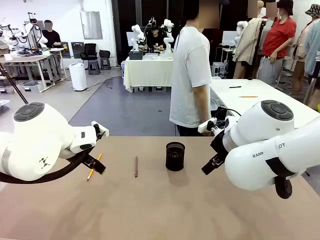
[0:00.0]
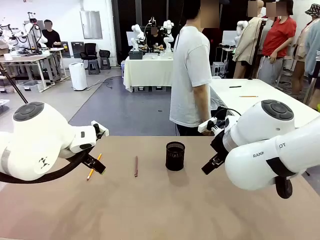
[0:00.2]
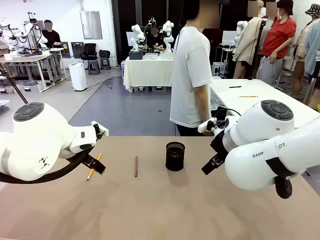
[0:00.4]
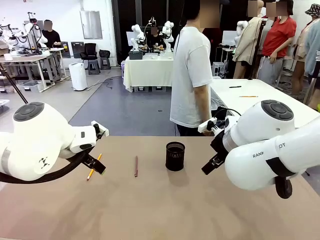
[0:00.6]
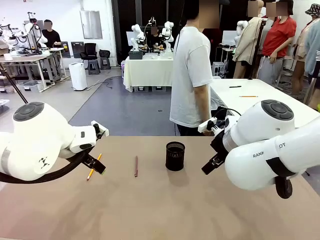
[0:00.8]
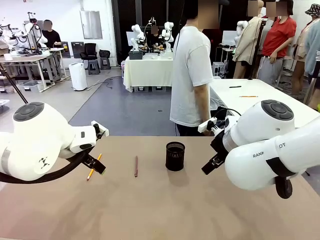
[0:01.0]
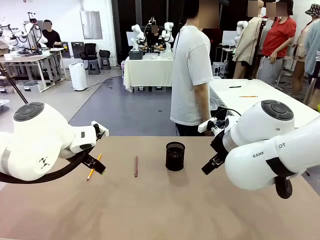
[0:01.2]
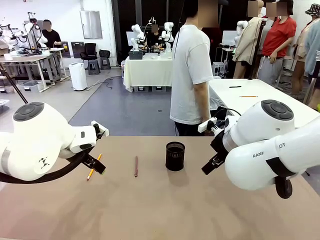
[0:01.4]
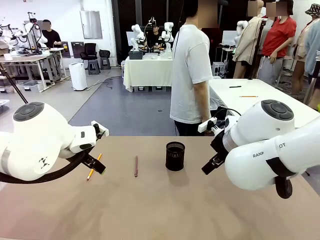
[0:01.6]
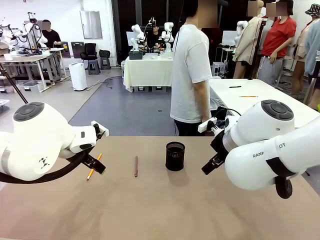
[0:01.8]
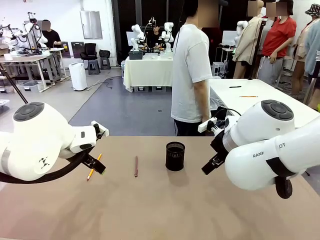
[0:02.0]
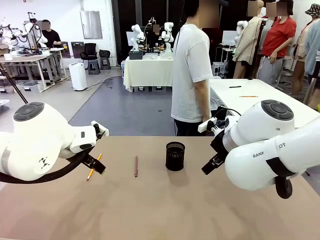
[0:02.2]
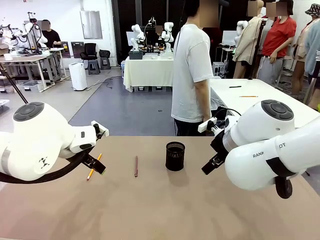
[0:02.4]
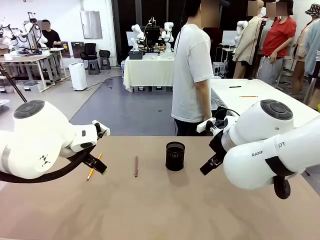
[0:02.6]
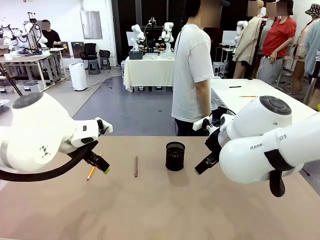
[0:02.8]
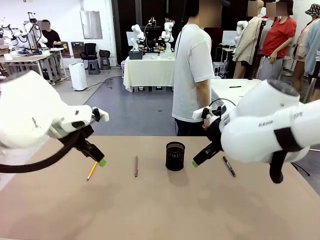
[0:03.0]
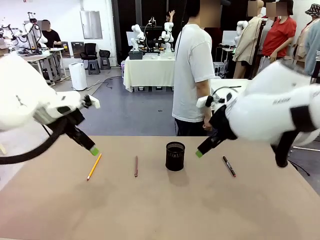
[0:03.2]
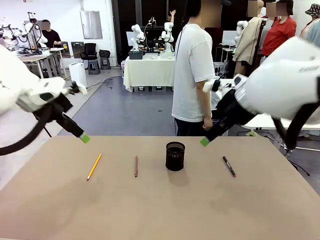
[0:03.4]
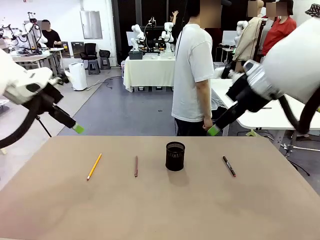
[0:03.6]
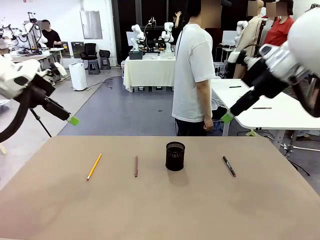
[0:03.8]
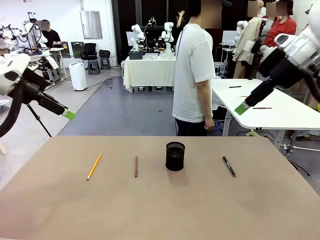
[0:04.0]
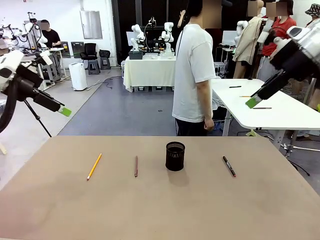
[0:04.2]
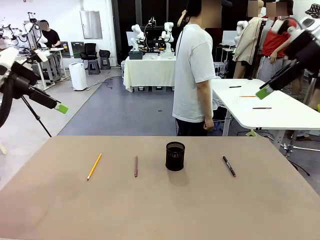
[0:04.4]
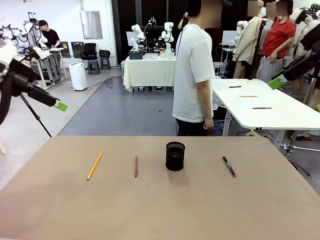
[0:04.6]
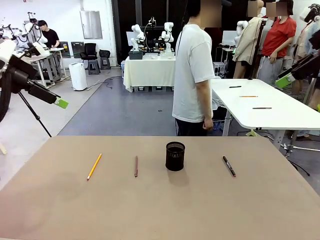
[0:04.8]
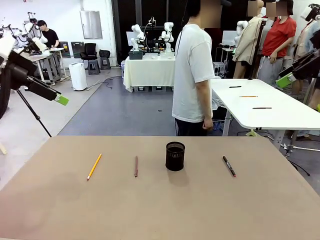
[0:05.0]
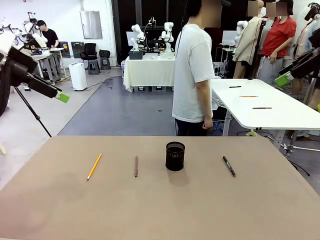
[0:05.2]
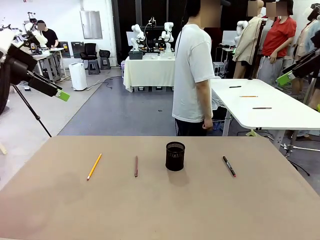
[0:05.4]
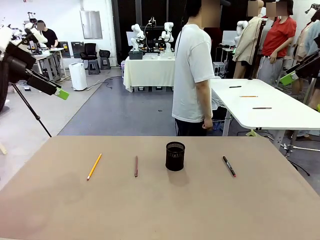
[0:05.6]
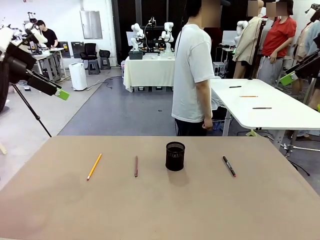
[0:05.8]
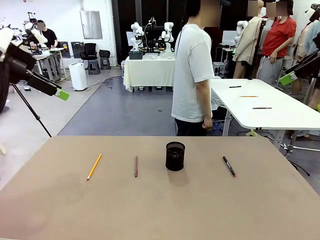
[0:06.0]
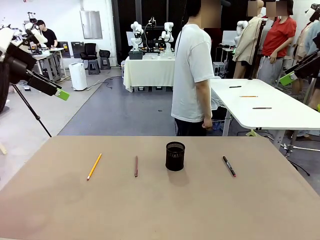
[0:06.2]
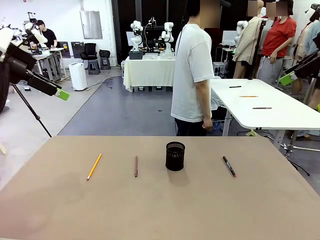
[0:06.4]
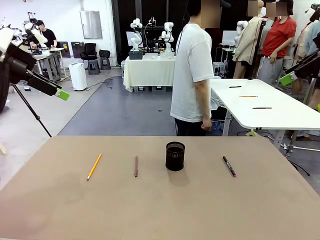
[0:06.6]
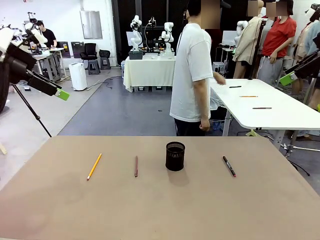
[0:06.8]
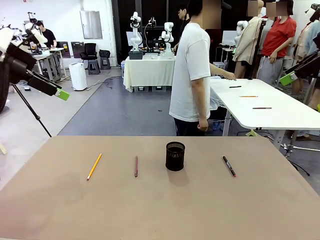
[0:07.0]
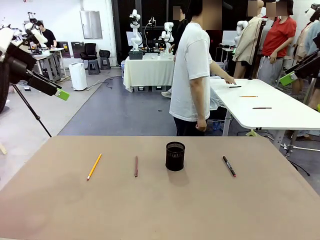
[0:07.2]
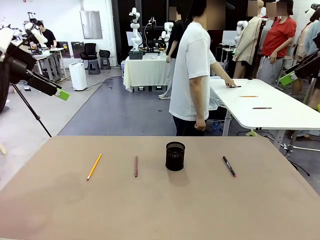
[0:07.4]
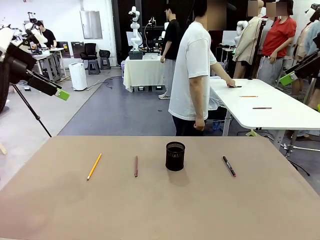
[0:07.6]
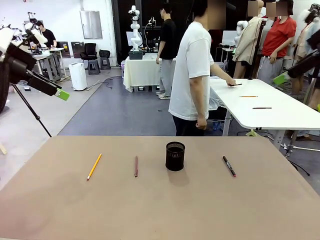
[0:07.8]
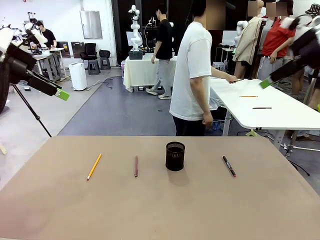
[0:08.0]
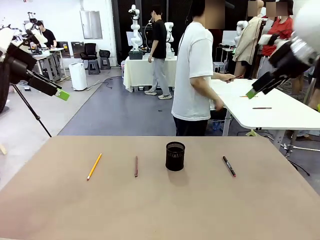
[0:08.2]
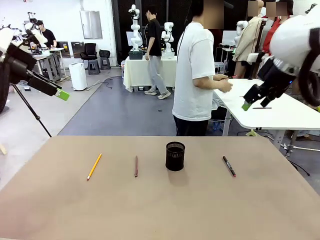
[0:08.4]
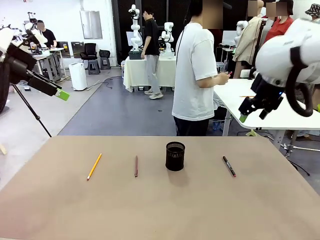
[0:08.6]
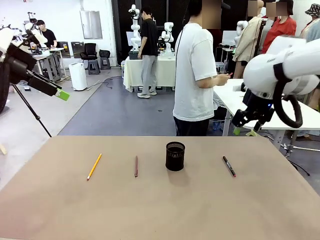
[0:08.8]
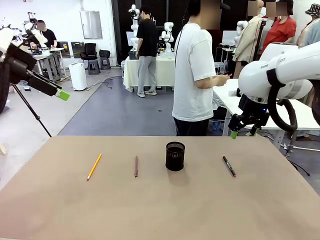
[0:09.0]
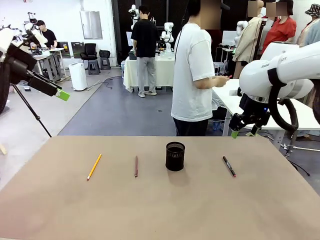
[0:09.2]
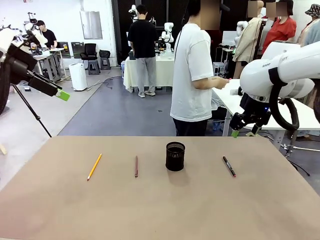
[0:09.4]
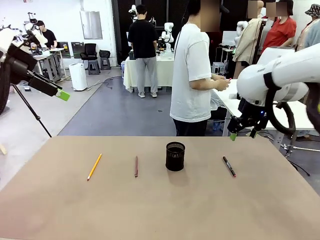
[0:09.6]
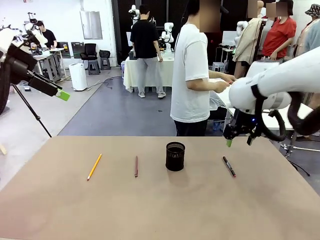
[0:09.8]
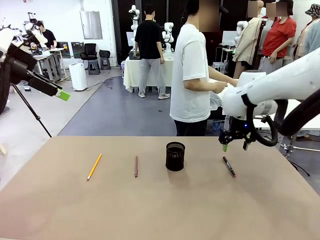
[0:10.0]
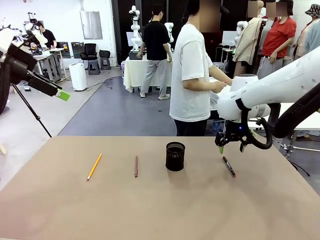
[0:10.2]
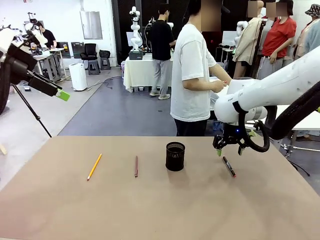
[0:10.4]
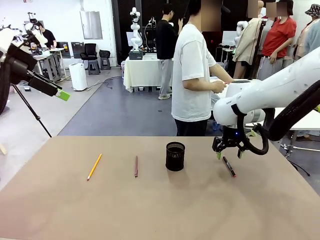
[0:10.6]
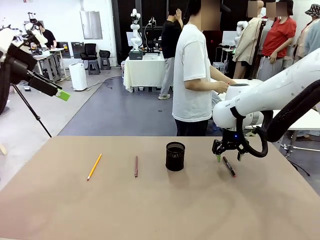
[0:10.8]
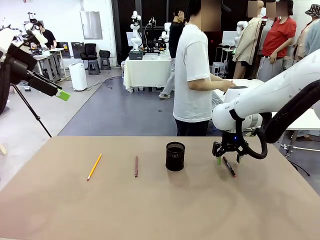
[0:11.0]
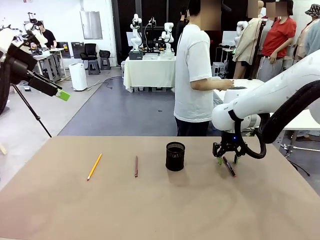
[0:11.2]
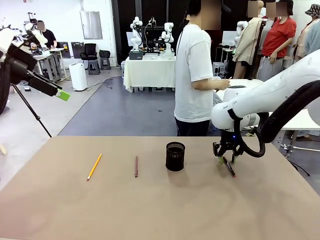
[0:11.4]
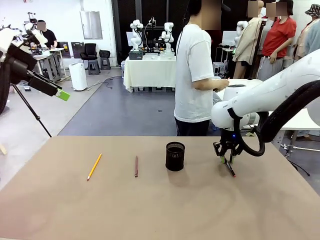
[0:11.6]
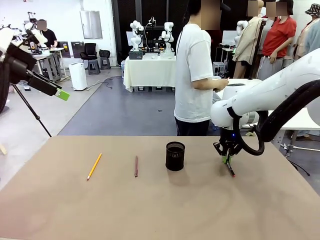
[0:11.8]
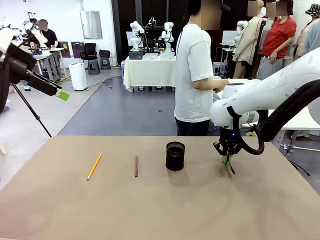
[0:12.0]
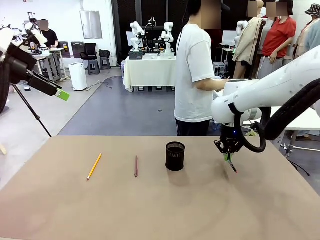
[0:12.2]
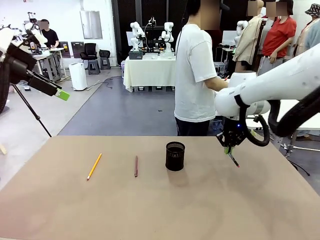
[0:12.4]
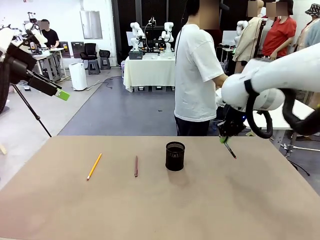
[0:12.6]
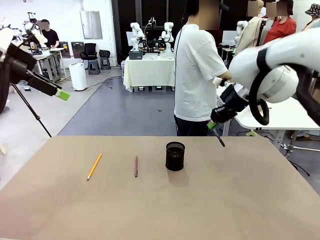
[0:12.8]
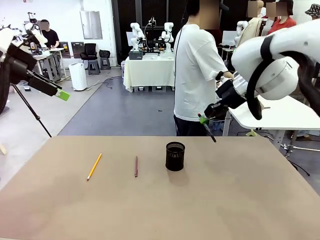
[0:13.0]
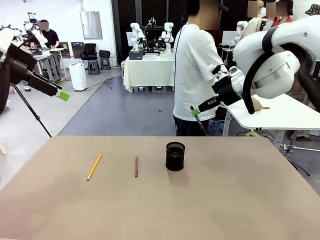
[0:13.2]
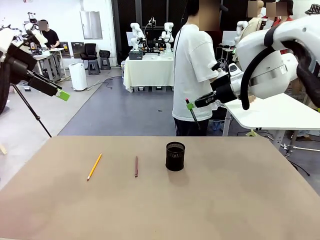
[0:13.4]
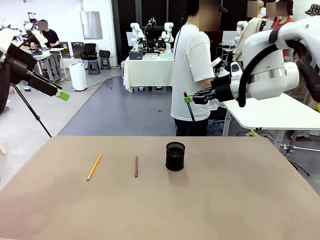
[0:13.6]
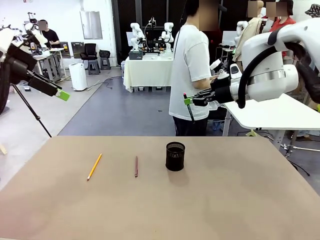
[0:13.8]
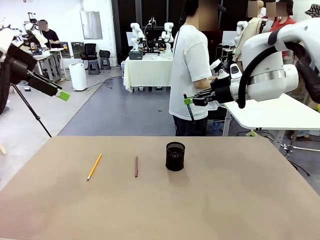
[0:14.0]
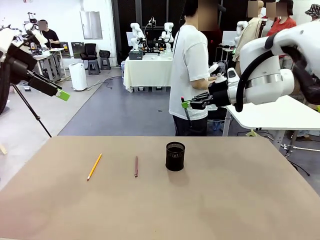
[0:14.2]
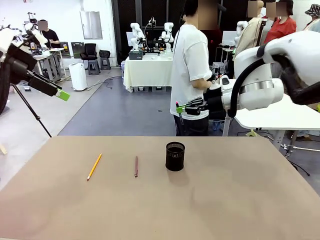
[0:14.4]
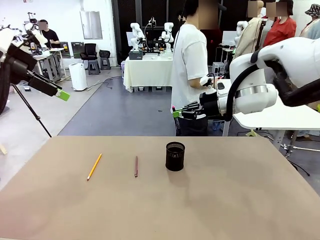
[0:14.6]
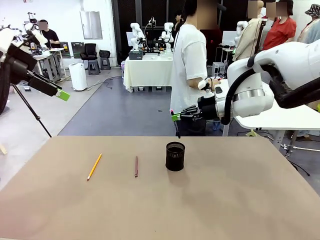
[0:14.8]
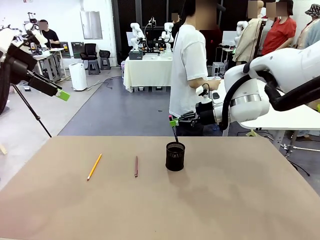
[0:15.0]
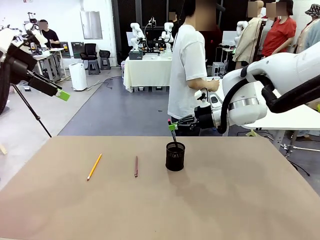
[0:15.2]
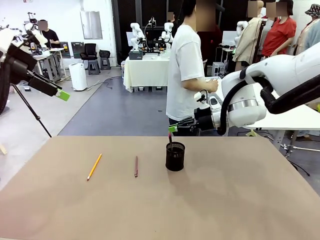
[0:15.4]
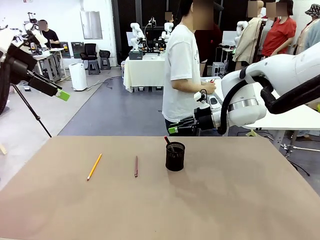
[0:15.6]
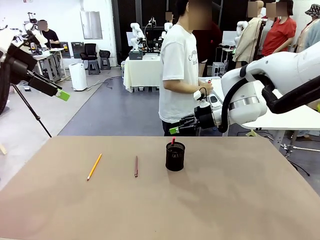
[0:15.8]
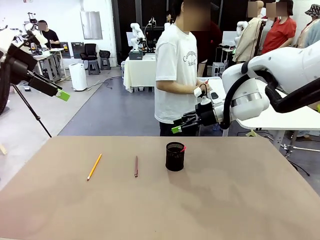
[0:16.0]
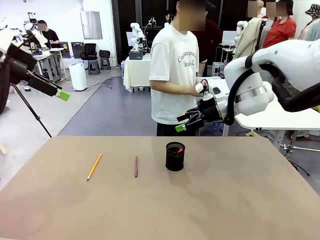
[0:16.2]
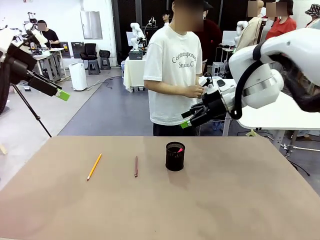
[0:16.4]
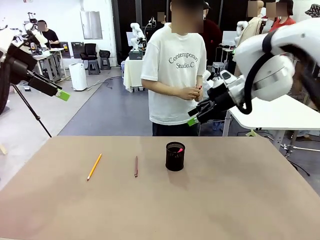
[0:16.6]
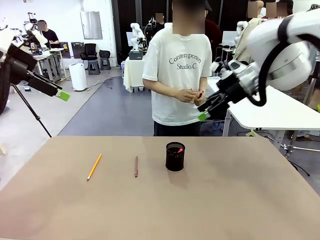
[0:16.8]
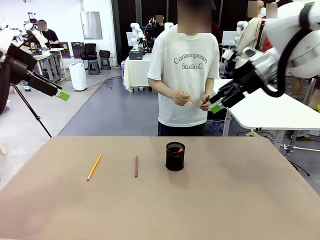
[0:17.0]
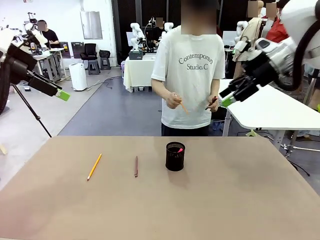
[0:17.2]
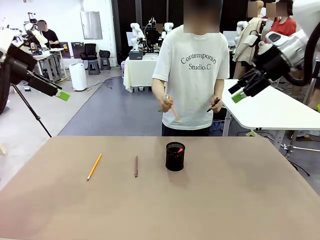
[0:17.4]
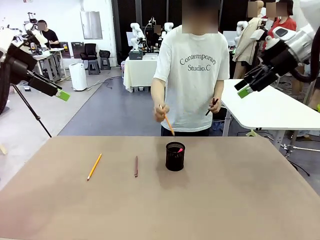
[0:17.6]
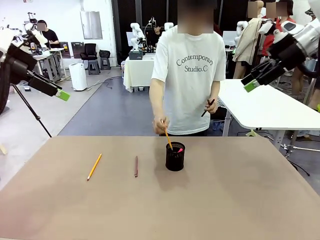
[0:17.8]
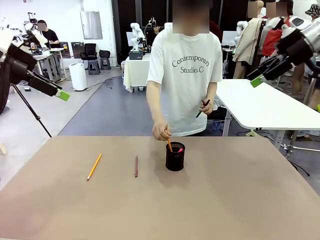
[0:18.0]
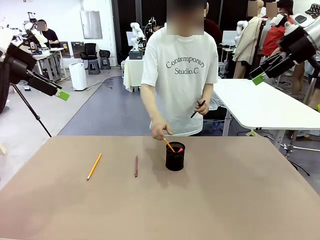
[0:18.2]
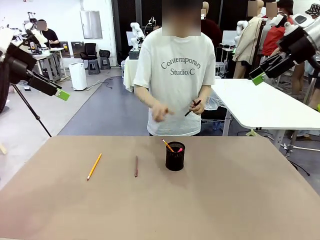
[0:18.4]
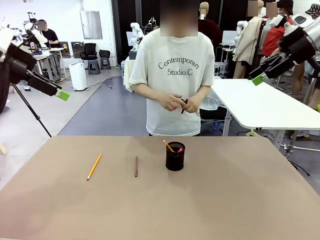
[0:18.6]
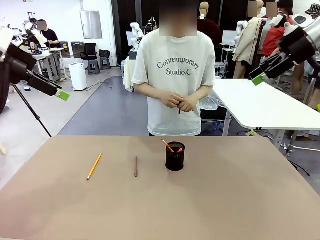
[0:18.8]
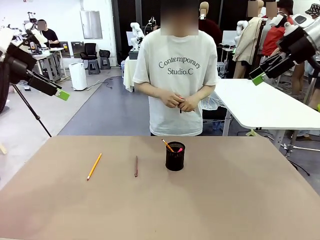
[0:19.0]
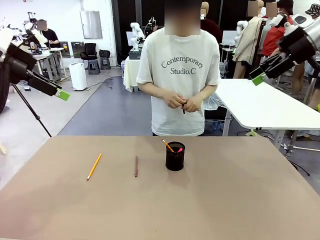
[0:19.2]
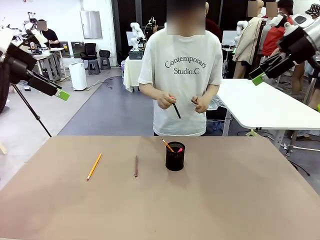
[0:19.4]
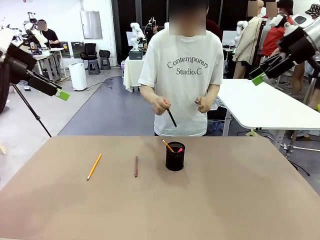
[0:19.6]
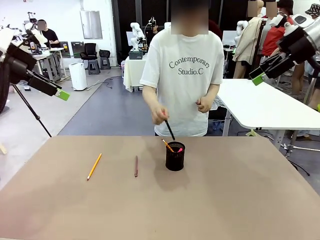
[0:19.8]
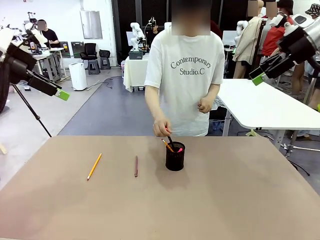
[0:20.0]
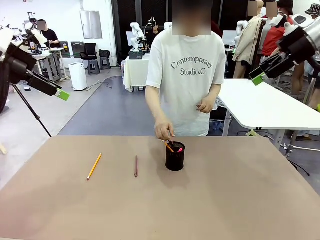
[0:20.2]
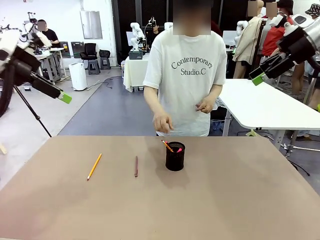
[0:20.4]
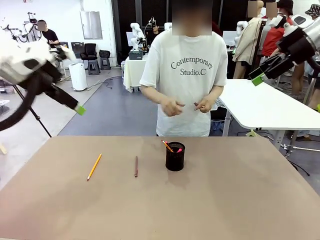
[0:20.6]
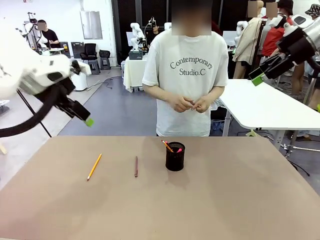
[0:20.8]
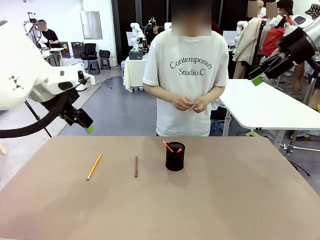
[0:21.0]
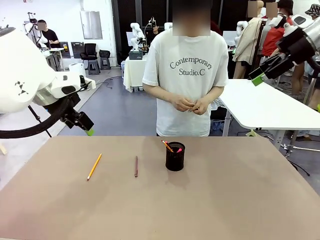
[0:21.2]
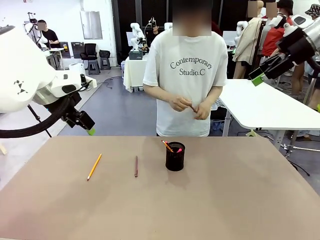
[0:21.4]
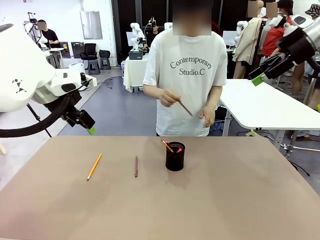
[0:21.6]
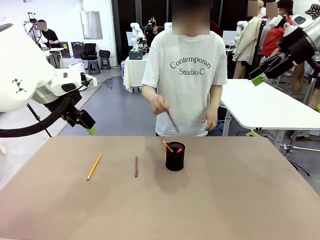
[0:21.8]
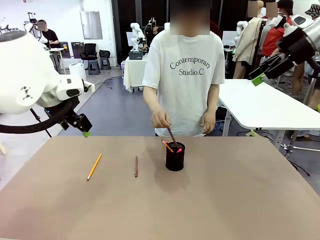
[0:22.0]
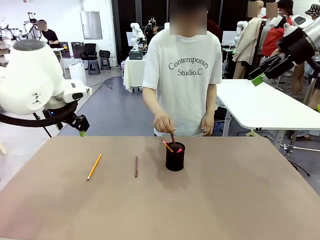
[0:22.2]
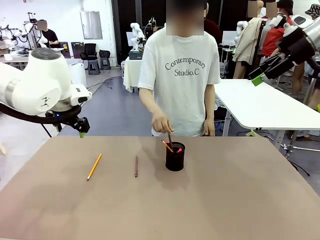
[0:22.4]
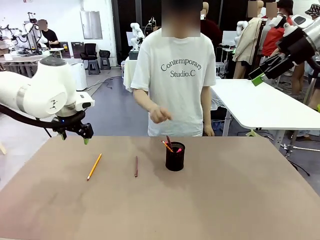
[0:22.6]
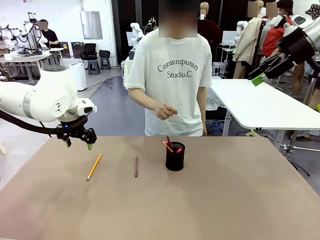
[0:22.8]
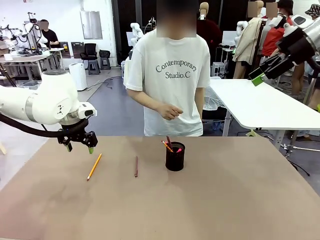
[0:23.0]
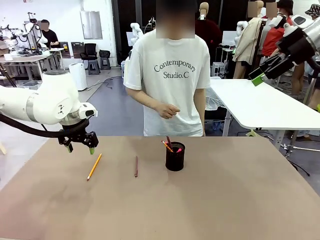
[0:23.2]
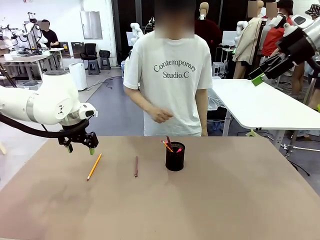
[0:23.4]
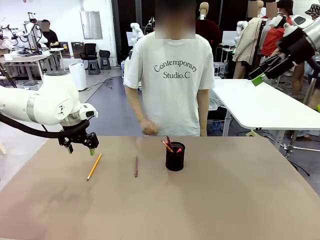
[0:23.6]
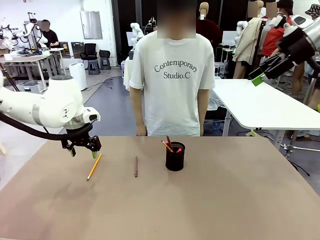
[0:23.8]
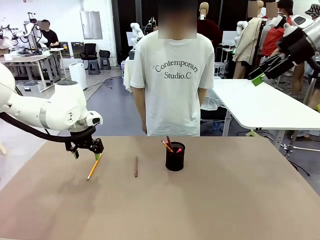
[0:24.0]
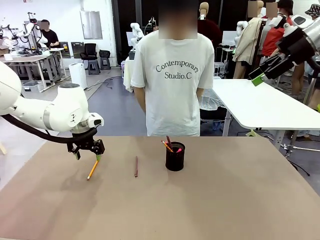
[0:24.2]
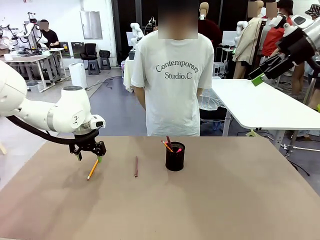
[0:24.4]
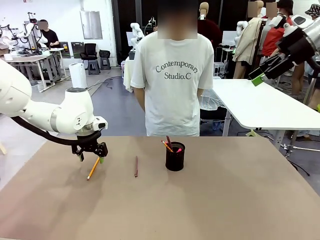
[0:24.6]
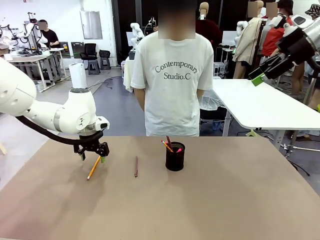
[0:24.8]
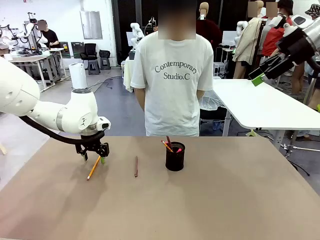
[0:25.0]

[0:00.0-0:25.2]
Task: Place the pens into the pen holder.
Robot: Pick up a writing instrument from the table and place it into the Pen holder.
Person: Pick up all writing instruments from the Human table.
